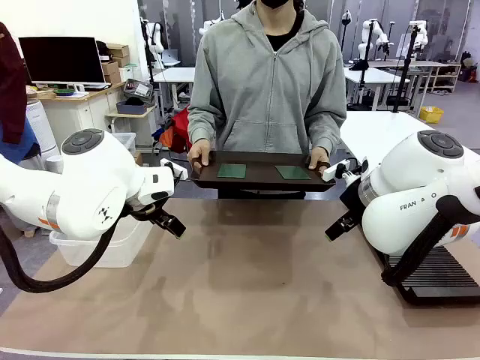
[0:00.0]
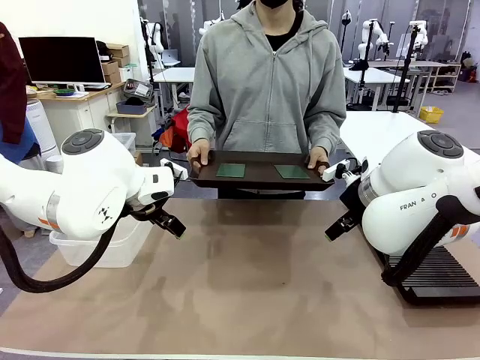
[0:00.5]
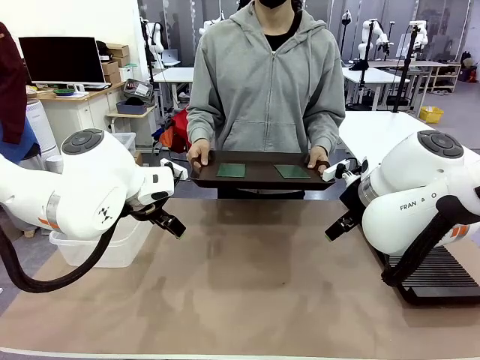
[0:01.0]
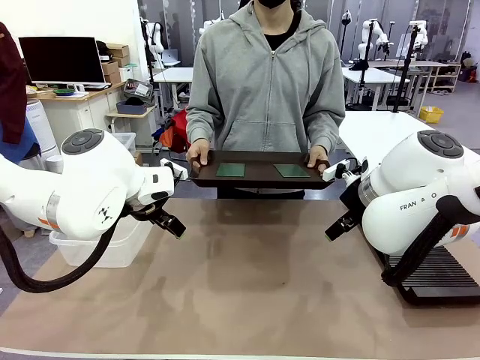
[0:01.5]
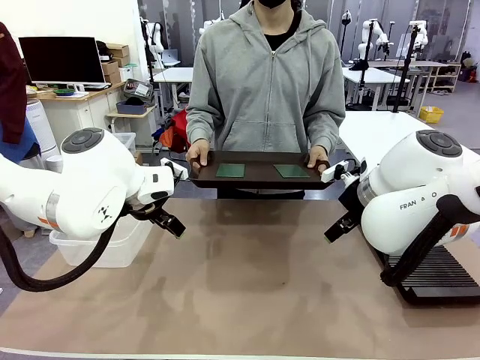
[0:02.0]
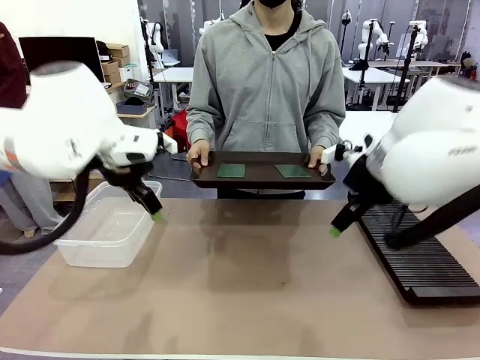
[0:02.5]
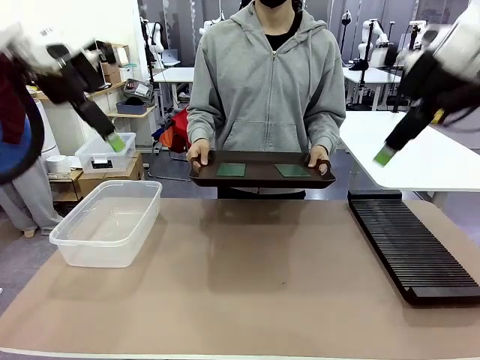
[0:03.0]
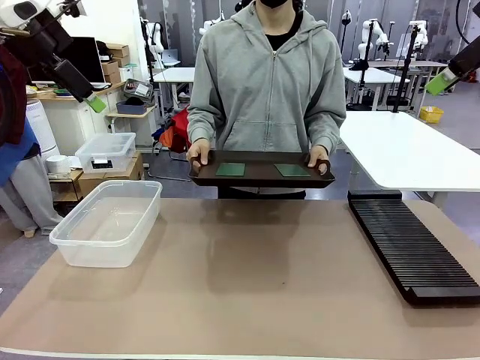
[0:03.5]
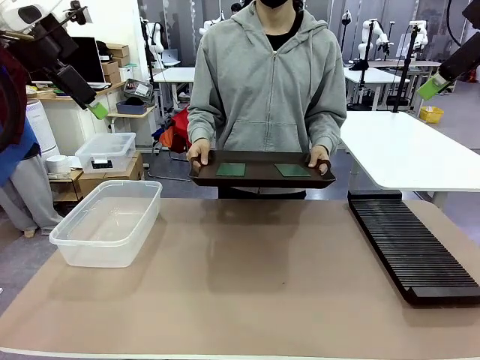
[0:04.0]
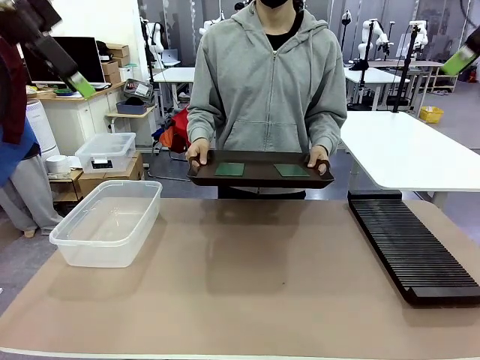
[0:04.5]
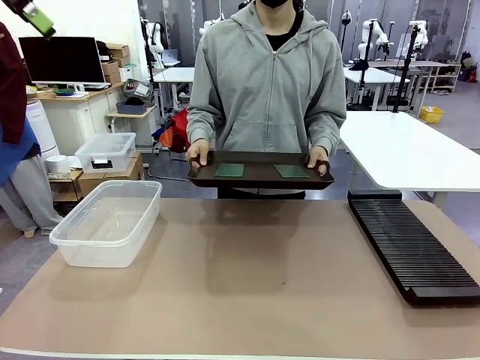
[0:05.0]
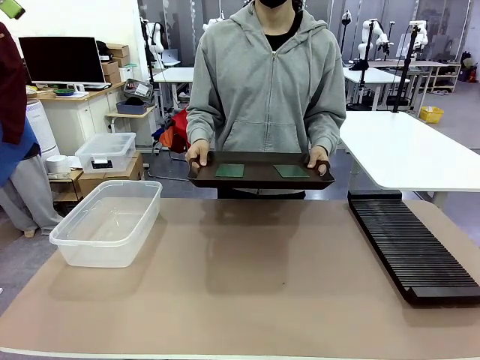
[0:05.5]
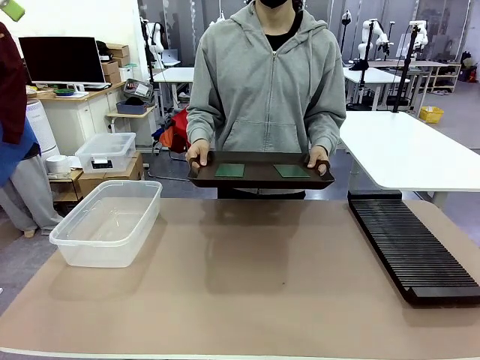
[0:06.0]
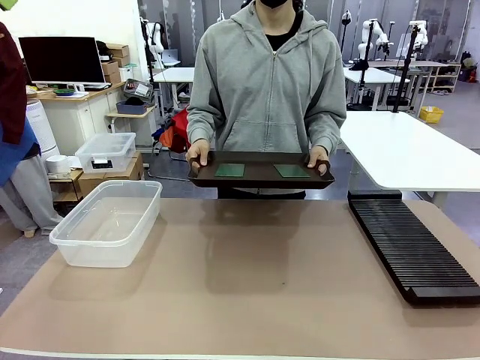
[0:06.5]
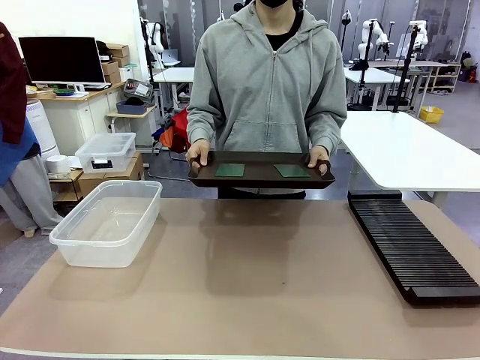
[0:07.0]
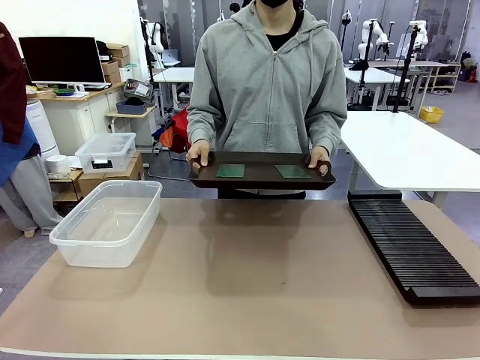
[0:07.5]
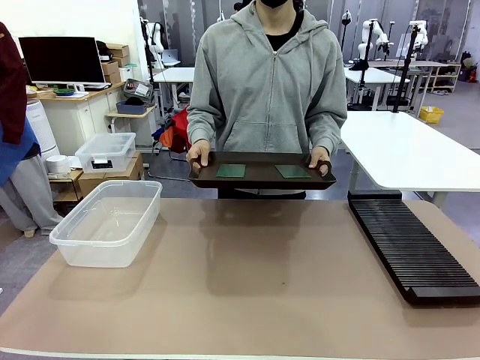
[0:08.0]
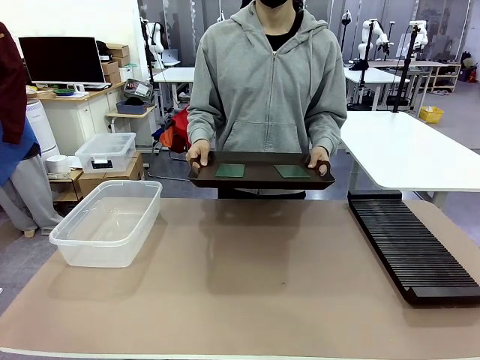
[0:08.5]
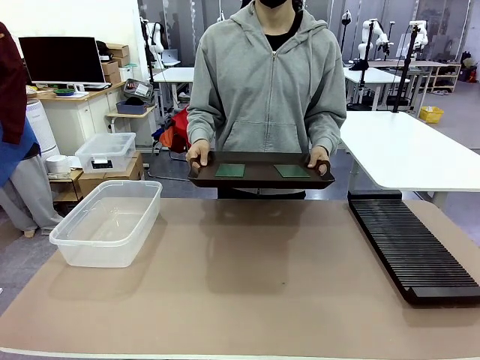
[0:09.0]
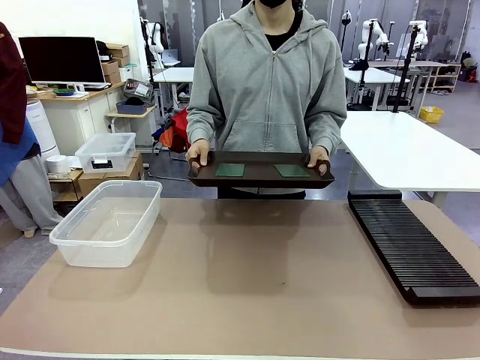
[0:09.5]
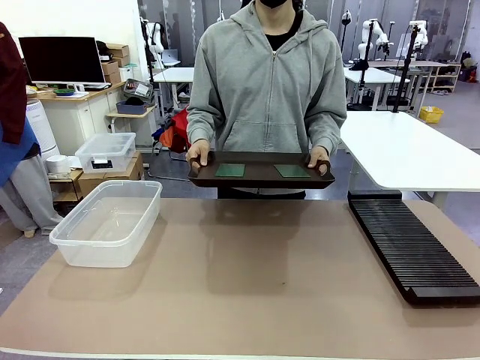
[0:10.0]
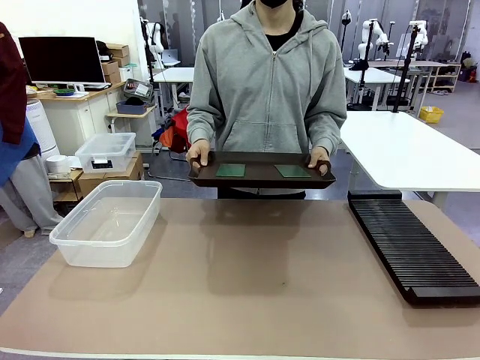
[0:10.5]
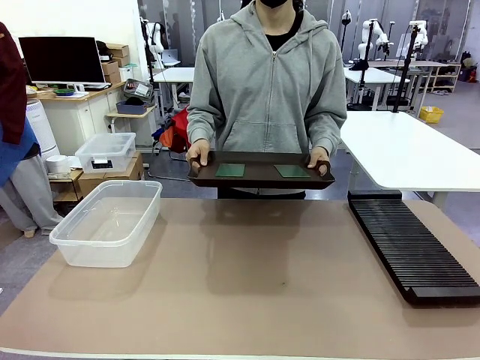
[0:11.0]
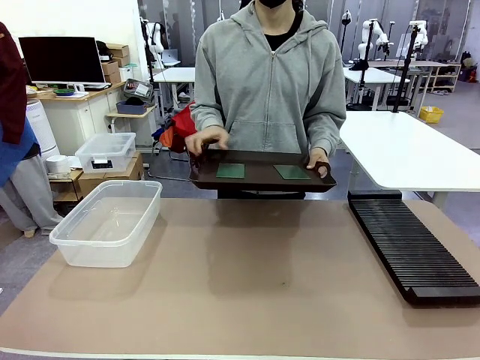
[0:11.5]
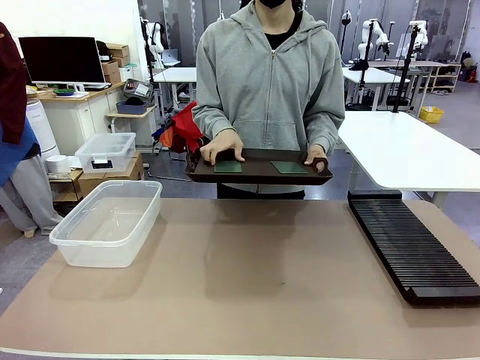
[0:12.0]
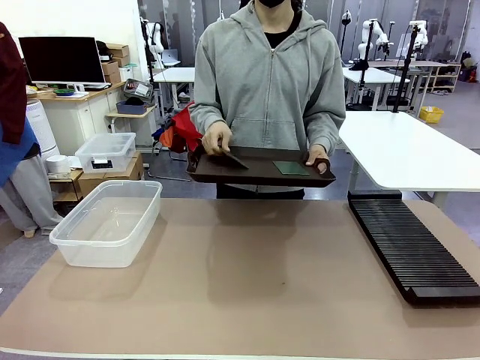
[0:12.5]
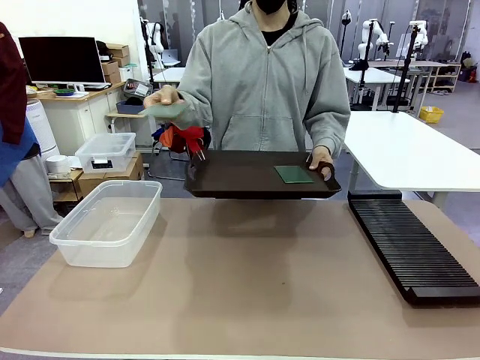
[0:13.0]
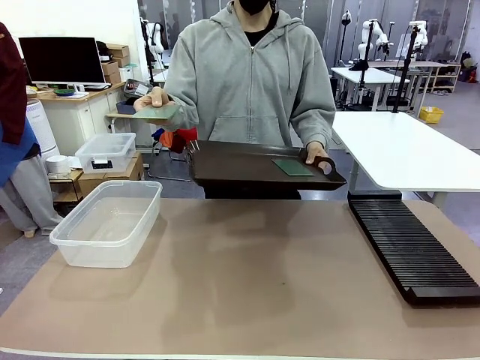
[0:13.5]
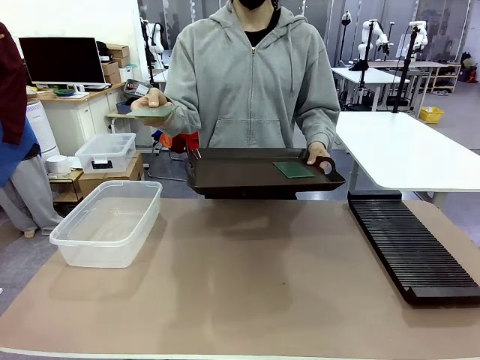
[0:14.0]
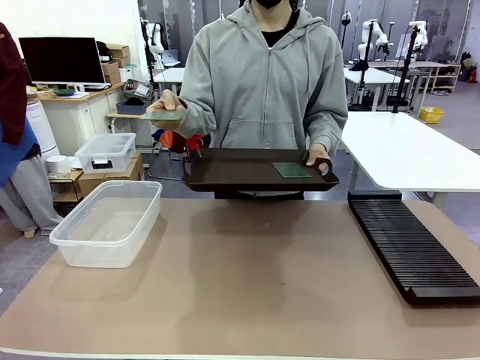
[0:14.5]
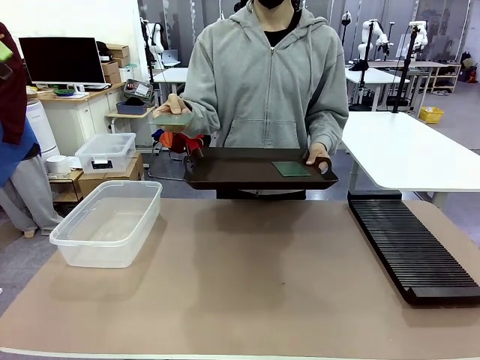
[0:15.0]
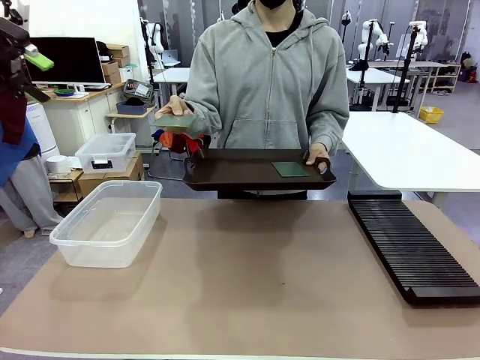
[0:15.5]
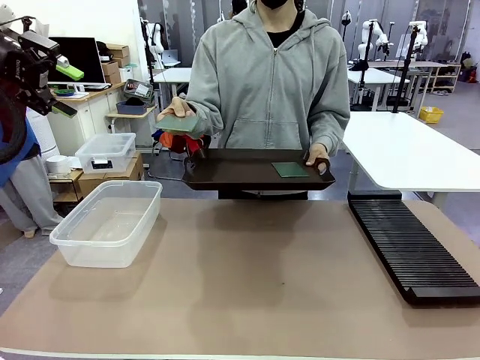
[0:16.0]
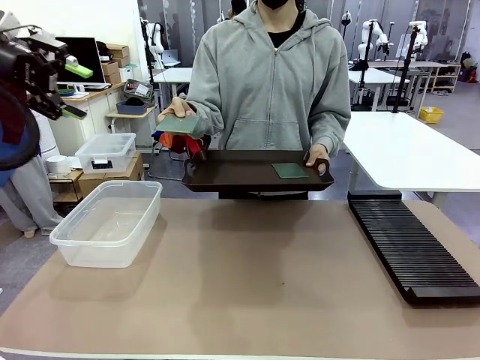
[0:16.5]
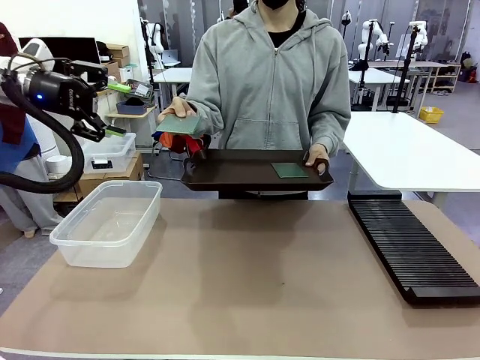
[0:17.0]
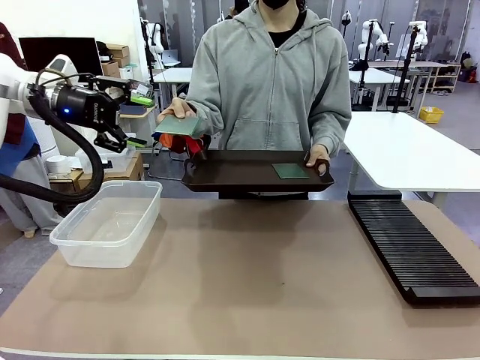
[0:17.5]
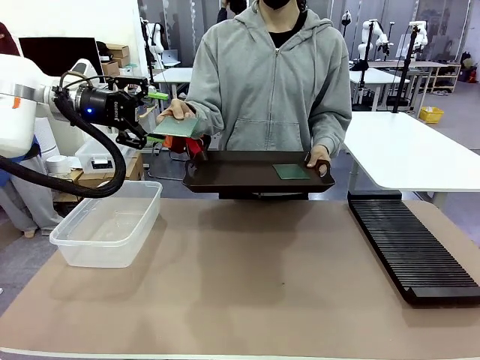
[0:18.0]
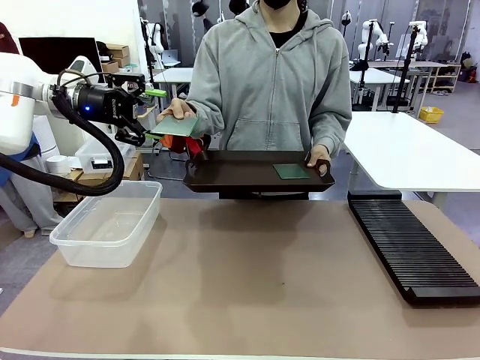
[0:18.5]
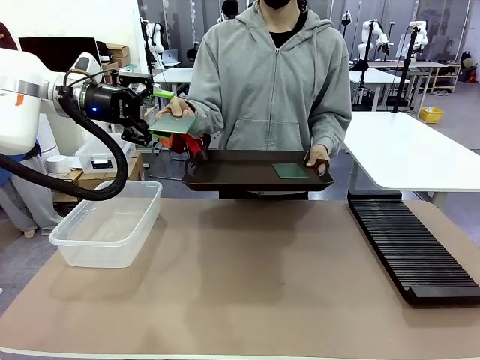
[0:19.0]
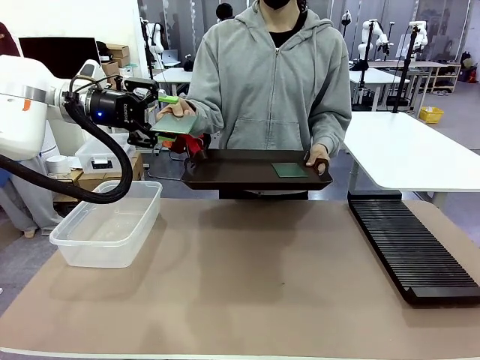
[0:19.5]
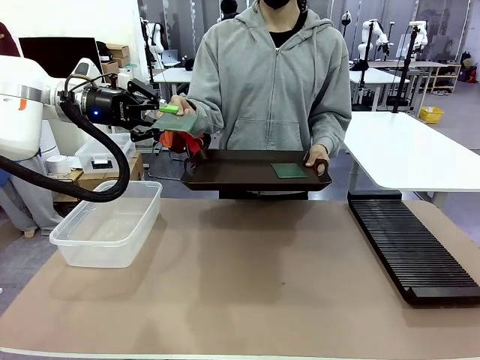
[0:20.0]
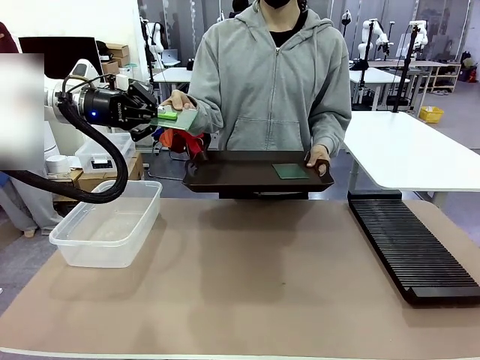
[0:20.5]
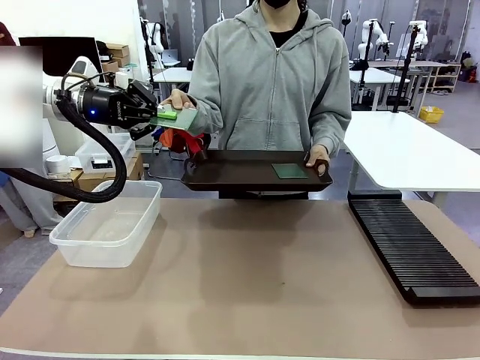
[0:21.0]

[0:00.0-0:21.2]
Task: Sort PCBs into racks and boxes based on the side picked up.
Robot: Pick up the Blank PCB handed by the Human.
Person: Pick one PCB from the tray and present it to the robot. Release the PCB being held.

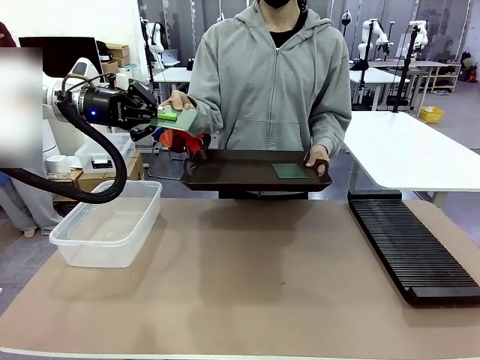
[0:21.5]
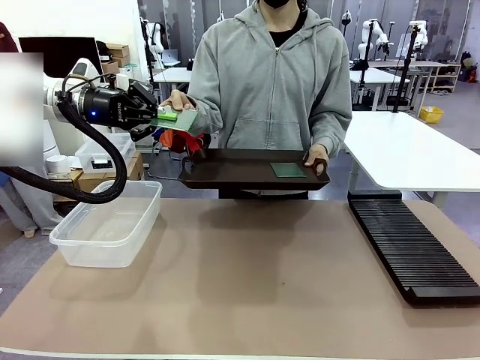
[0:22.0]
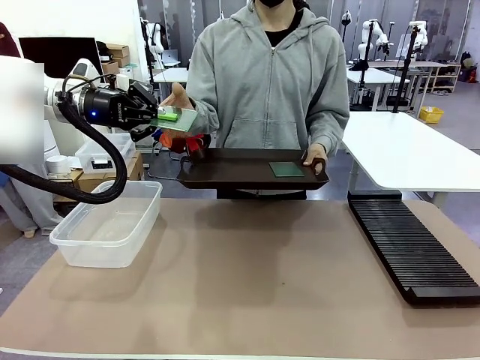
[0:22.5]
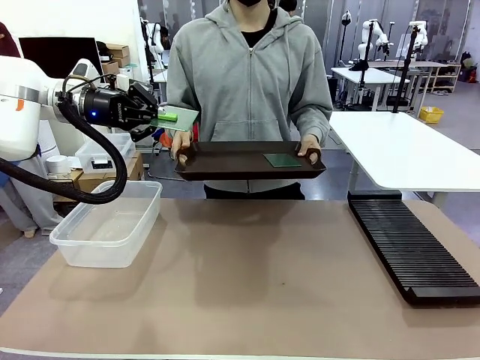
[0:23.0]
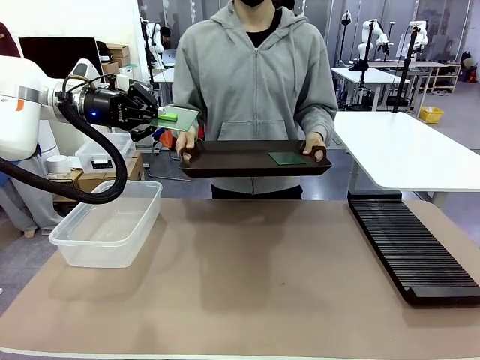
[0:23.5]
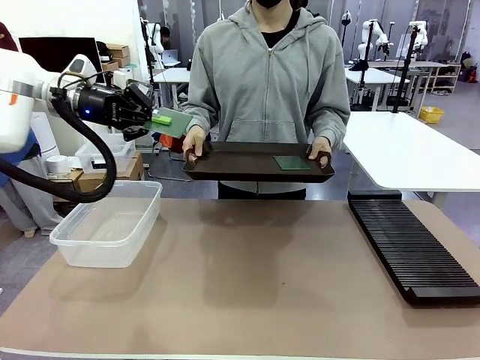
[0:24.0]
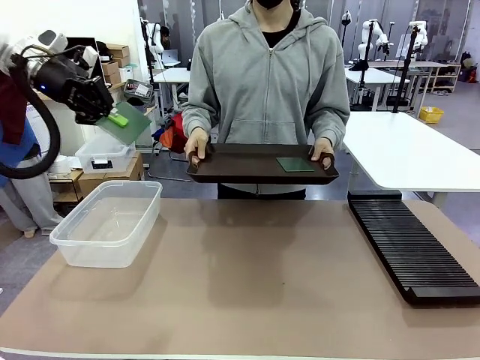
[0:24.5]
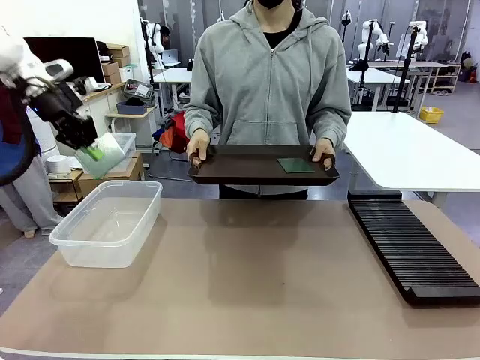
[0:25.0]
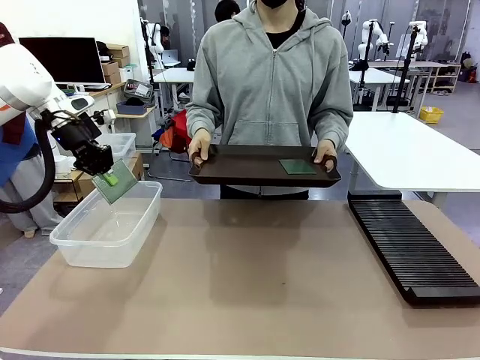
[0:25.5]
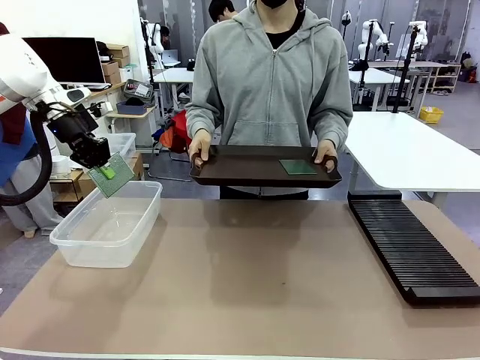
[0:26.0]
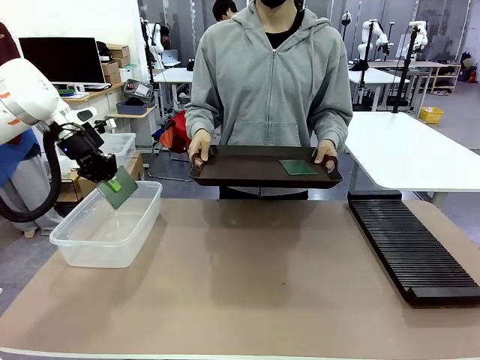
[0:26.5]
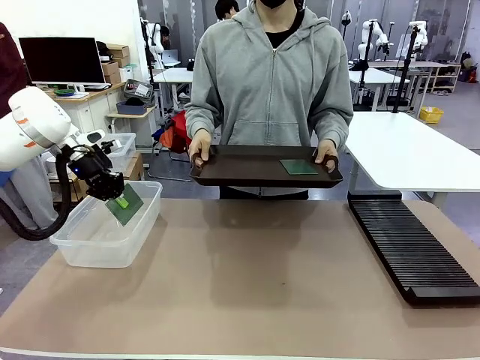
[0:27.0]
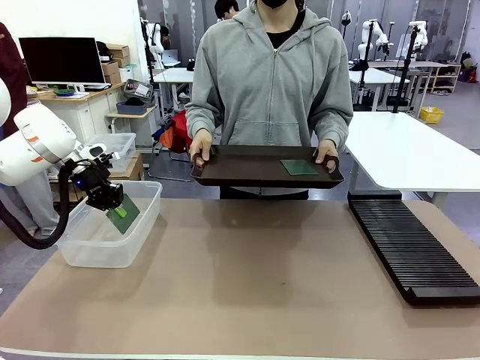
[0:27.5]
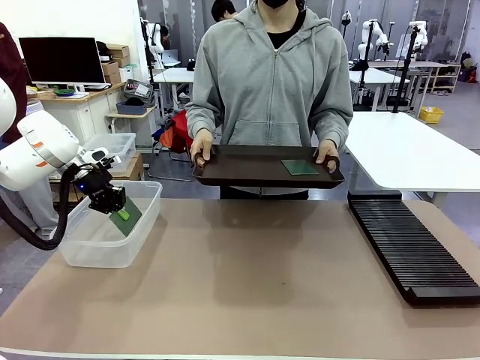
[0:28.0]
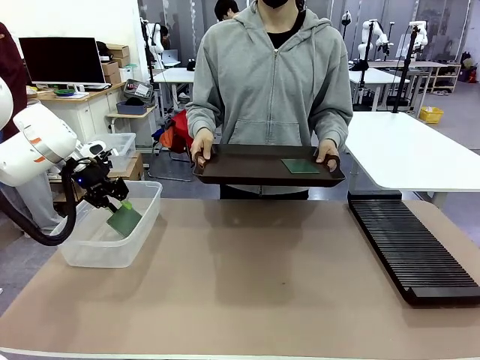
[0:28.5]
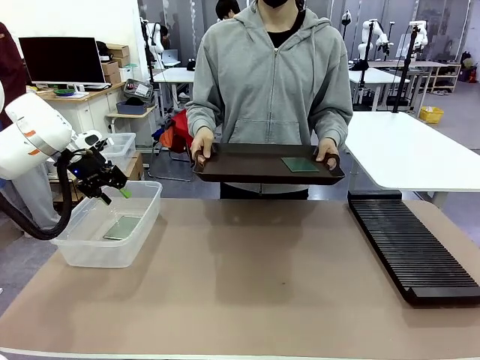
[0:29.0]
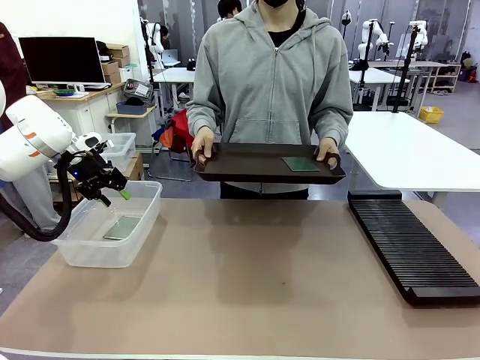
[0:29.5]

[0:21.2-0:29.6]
Robot: If the short side of the Blank PCB is picked up, insert it into the PCB Rack ; if the long side is picked up, place it in the Organizing box.
